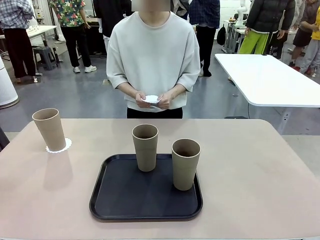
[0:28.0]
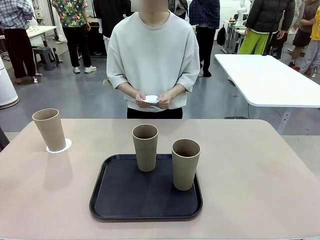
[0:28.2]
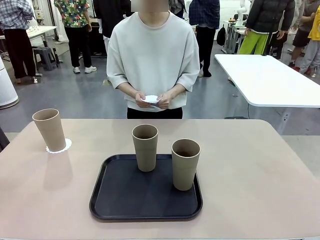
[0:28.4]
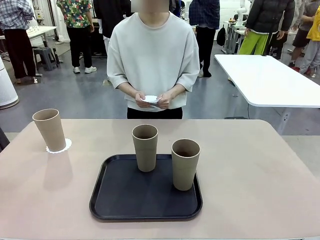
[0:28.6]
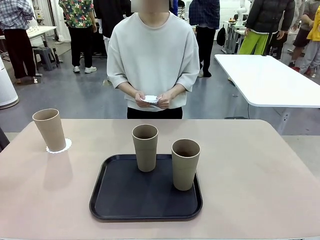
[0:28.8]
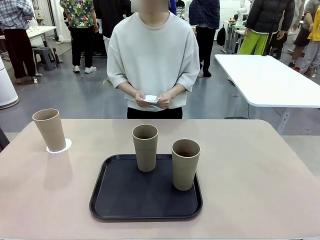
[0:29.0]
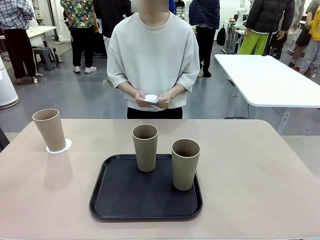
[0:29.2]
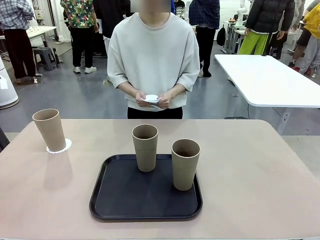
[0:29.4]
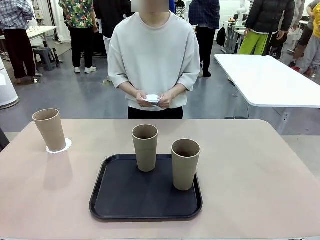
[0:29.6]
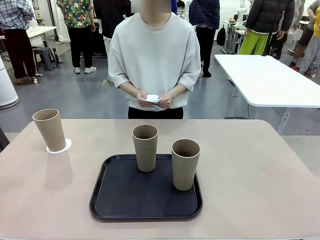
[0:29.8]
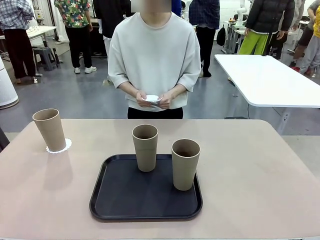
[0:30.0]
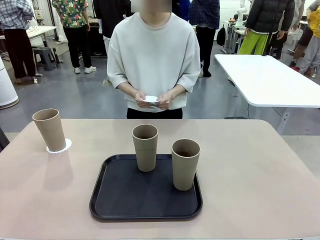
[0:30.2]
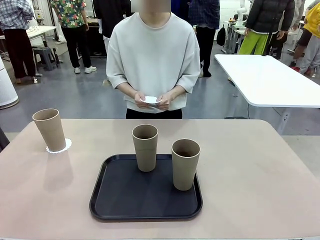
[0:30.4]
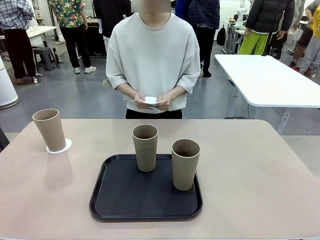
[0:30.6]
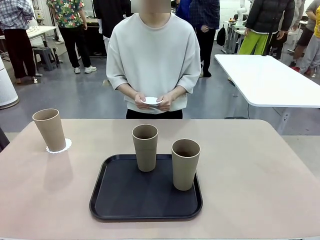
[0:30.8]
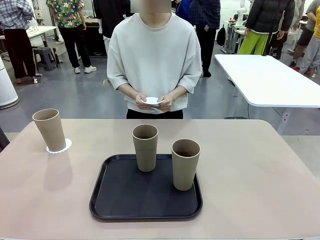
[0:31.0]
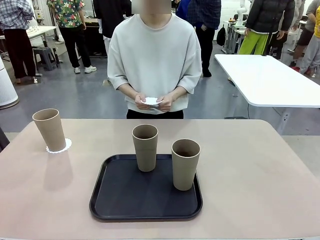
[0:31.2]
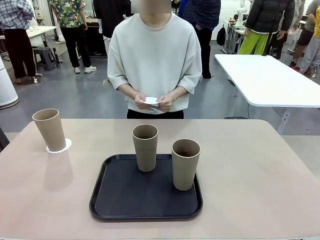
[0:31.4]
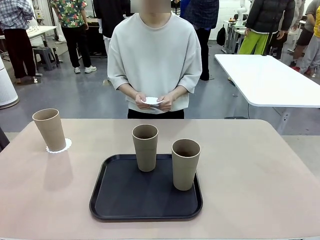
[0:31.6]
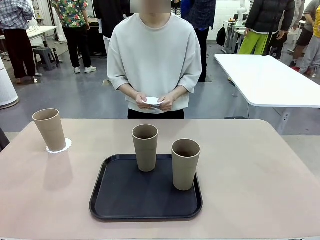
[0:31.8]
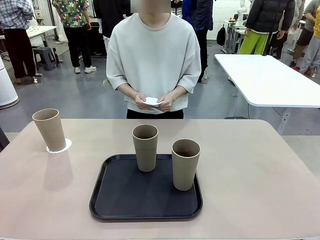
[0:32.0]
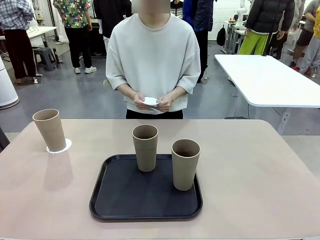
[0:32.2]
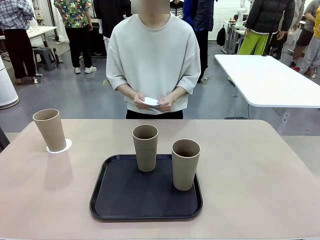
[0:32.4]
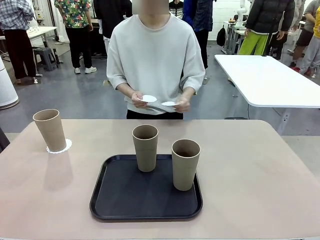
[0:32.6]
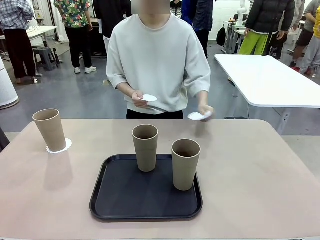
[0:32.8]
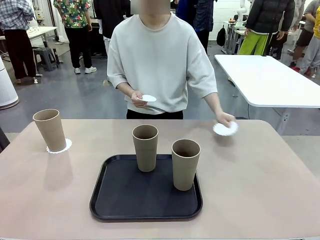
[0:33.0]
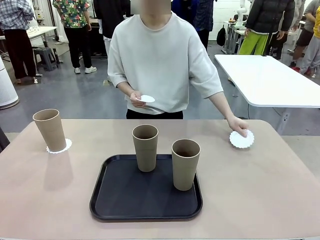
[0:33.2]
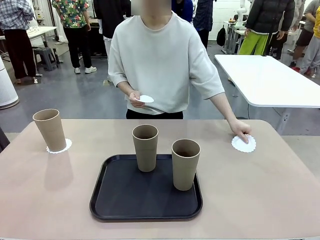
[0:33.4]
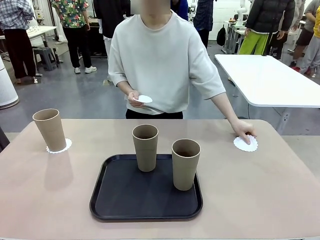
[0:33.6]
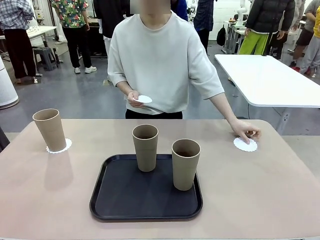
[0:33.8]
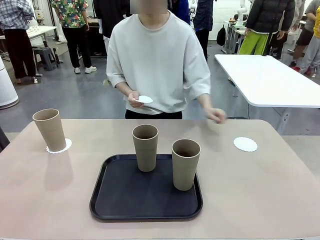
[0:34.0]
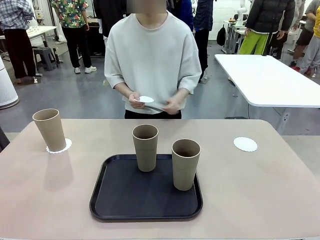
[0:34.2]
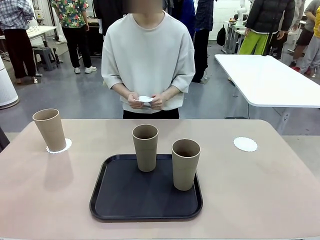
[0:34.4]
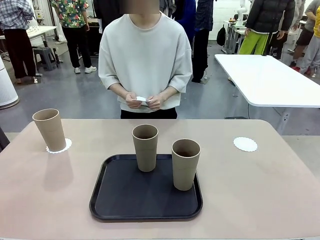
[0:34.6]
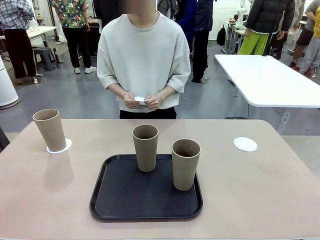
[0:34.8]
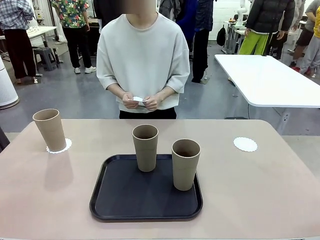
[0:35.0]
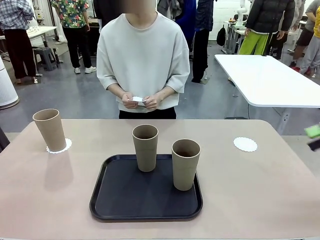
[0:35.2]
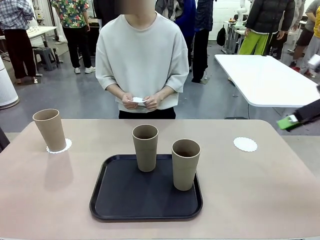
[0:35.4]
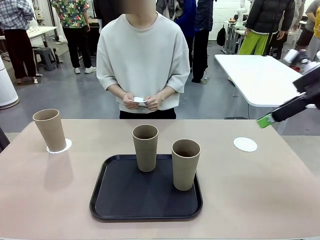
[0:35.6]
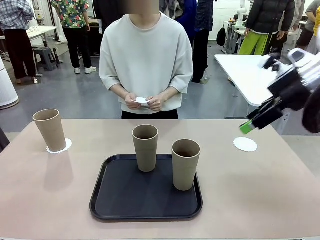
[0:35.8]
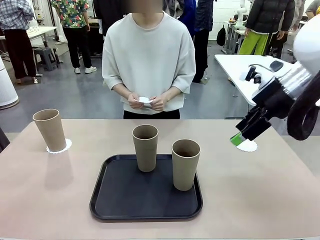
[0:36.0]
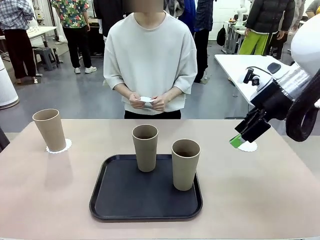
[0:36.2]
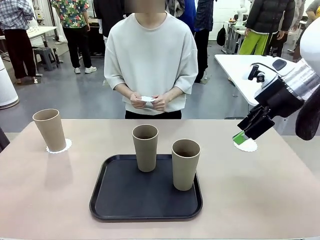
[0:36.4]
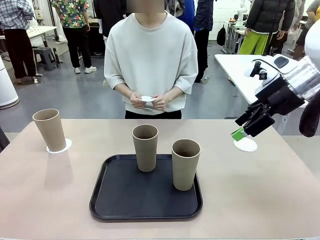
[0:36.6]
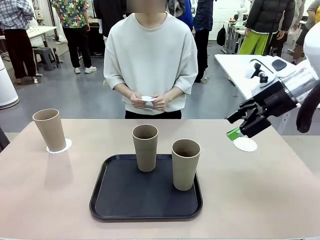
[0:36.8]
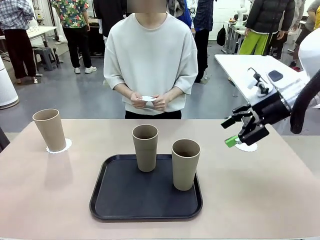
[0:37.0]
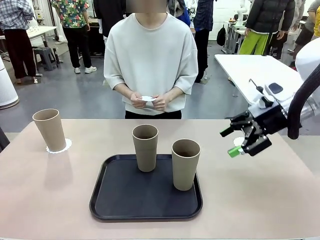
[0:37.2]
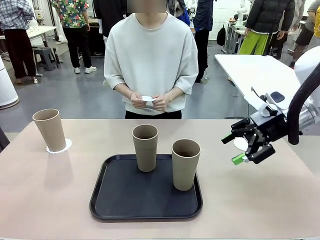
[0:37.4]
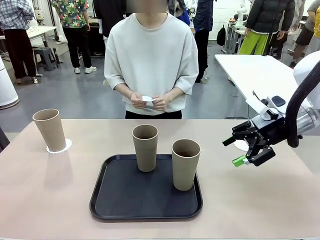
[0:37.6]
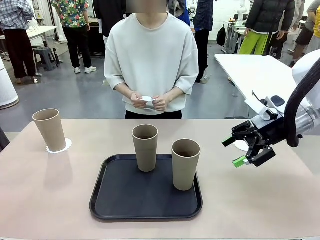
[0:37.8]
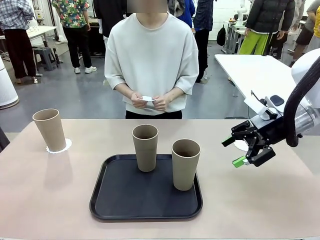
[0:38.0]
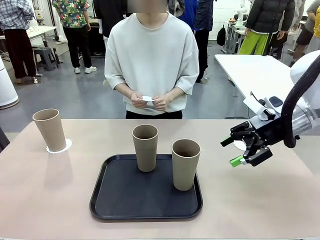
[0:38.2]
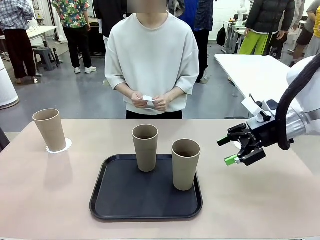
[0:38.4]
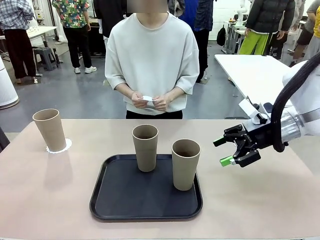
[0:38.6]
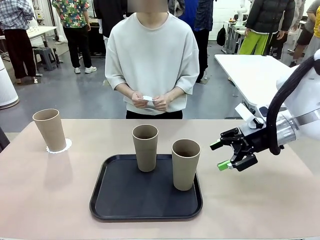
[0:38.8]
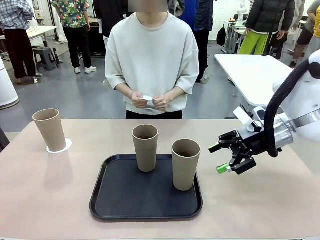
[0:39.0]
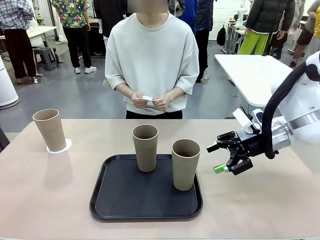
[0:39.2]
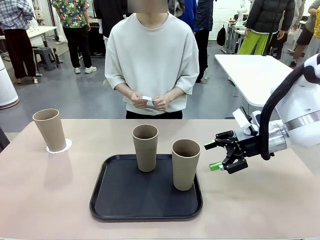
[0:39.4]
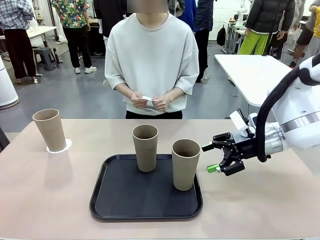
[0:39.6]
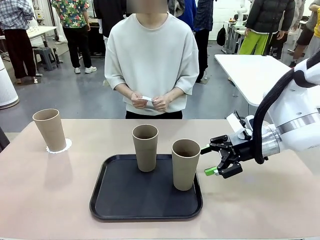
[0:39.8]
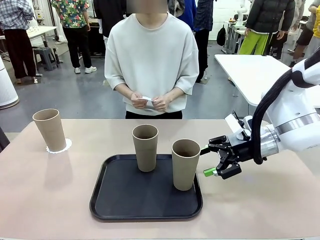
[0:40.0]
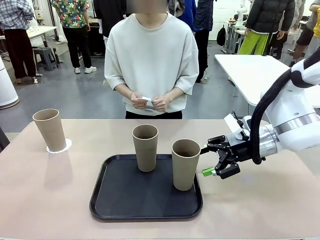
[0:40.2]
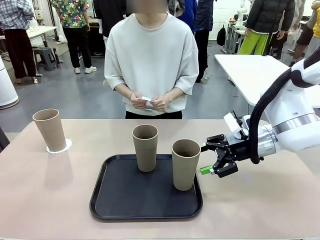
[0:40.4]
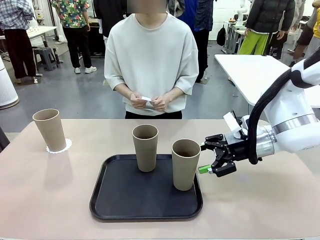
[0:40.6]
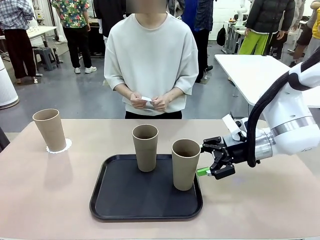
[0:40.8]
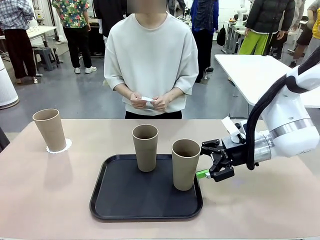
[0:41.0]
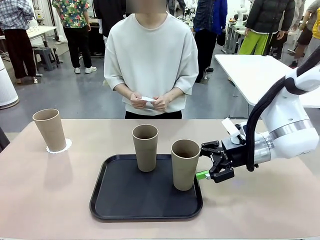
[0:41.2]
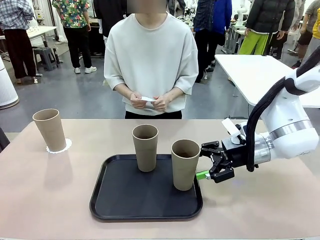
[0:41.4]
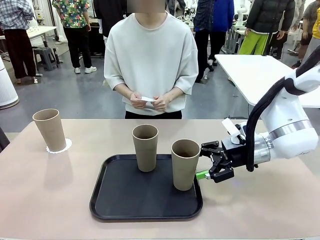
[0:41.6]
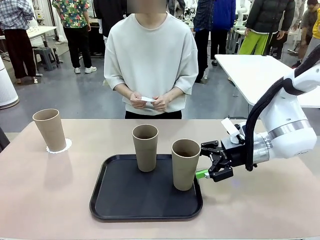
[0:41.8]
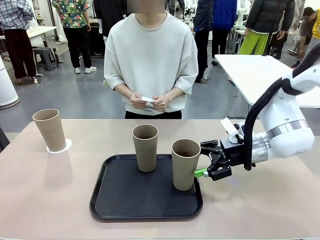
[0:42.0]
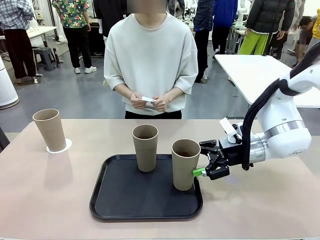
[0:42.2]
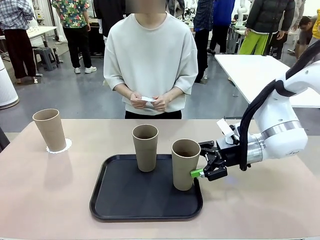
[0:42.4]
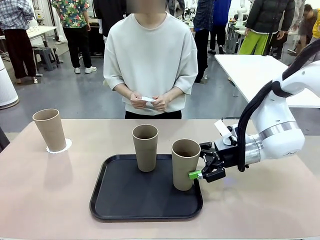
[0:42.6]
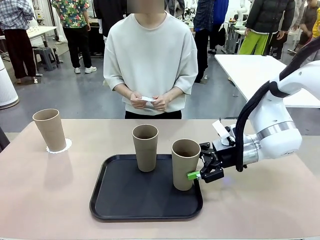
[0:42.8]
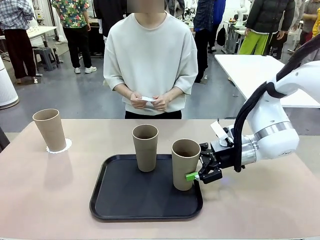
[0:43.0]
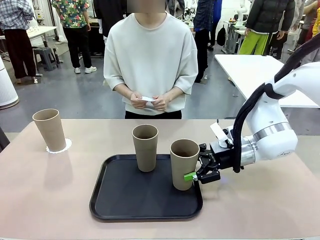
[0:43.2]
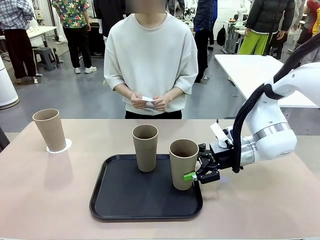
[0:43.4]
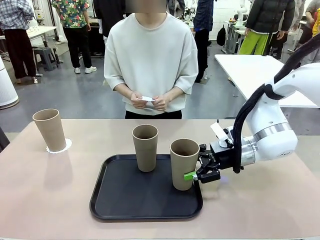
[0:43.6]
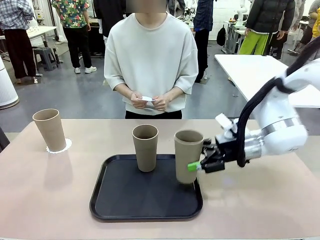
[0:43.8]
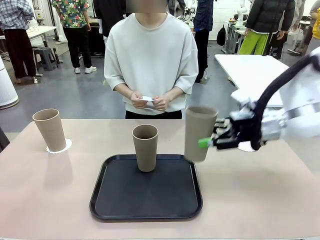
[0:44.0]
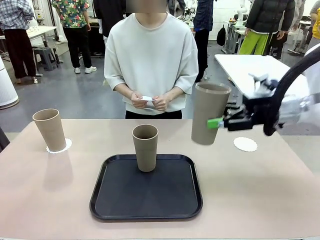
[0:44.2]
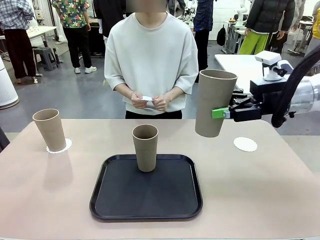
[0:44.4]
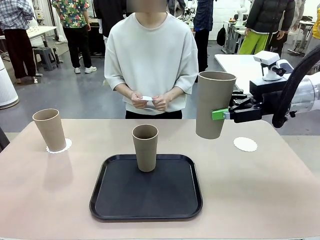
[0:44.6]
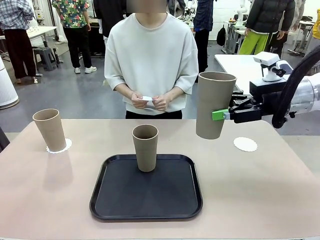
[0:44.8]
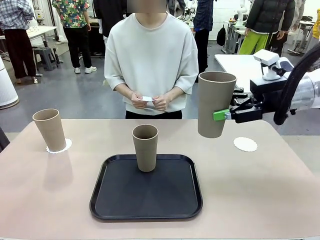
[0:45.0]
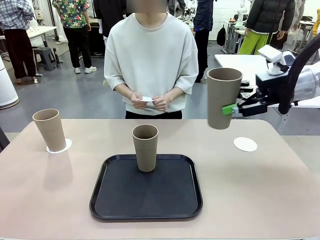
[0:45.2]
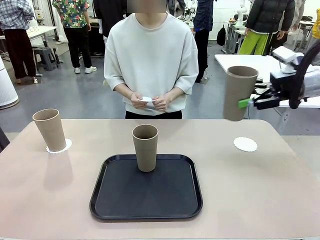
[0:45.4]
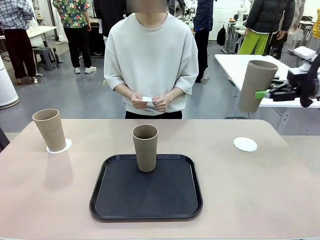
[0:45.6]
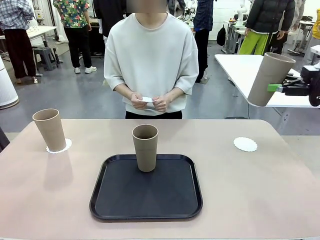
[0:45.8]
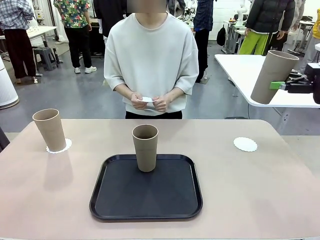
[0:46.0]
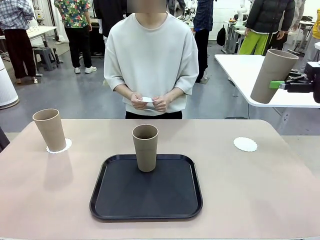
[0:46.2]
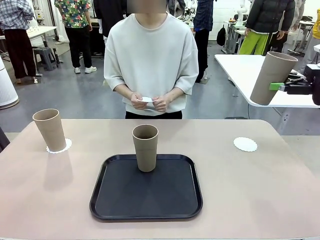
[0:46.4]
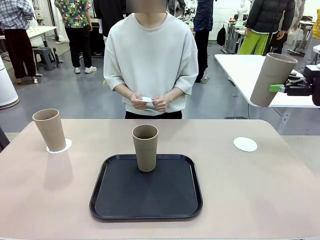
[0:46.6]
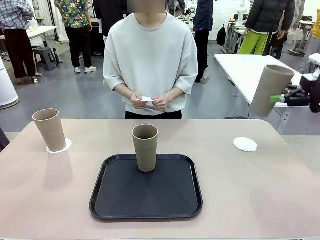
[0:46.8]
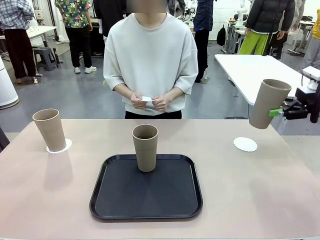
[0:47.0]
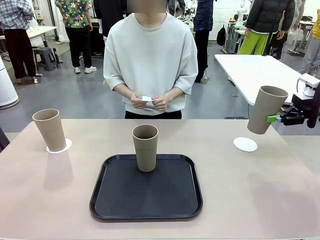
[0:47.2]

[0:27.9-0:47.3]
Task: Place coasters on the table and set cups on them.
Robot: Take one Reusable plastic cup from the Flat Tray and place it on a coaster set by the human.
